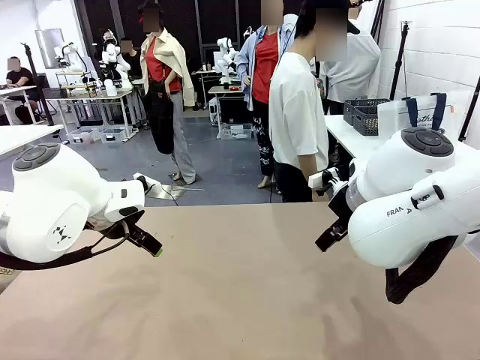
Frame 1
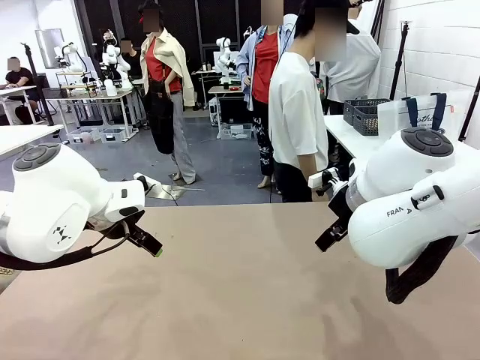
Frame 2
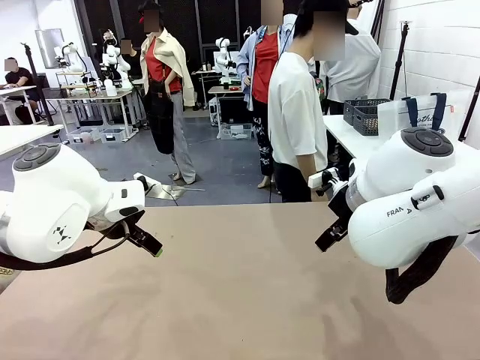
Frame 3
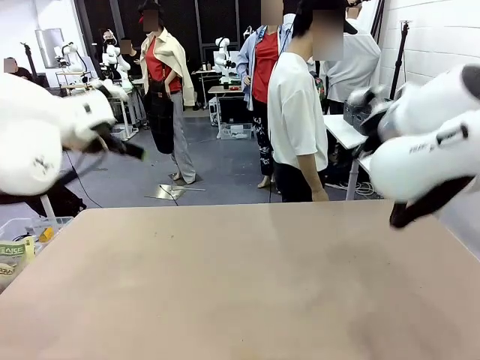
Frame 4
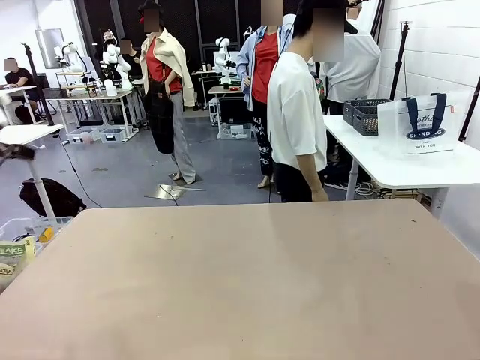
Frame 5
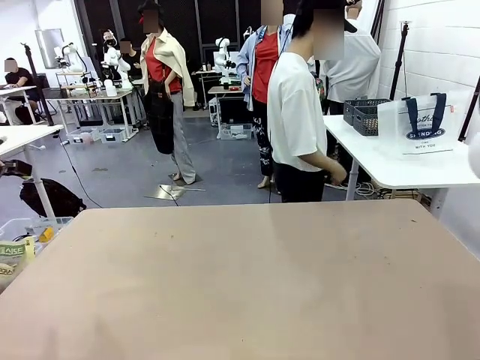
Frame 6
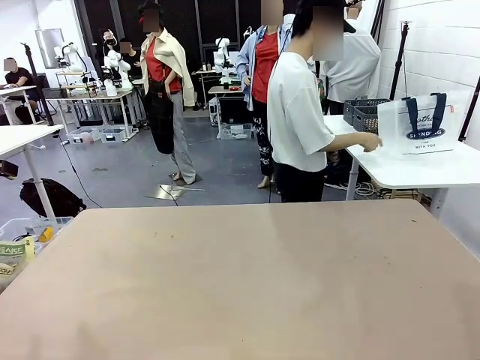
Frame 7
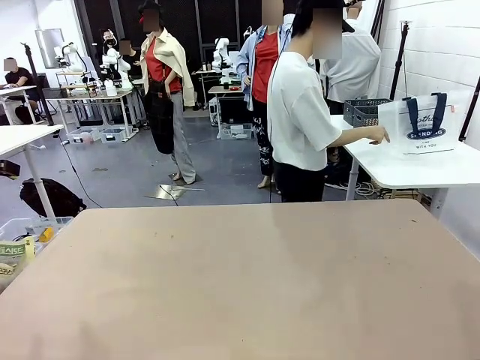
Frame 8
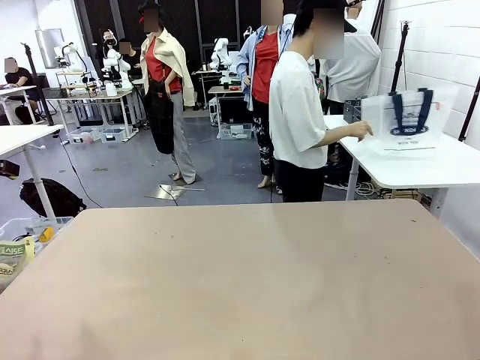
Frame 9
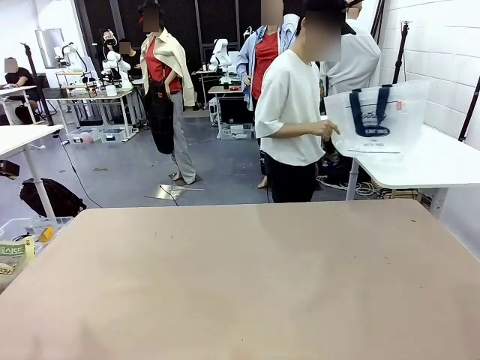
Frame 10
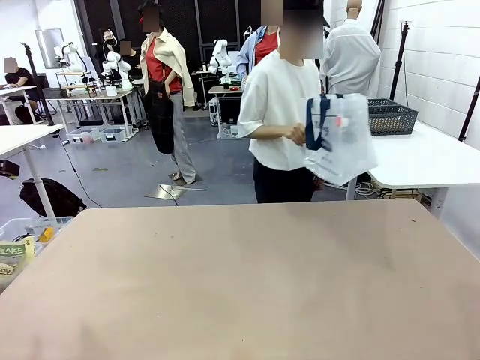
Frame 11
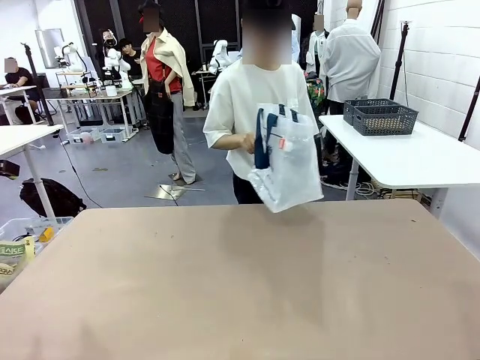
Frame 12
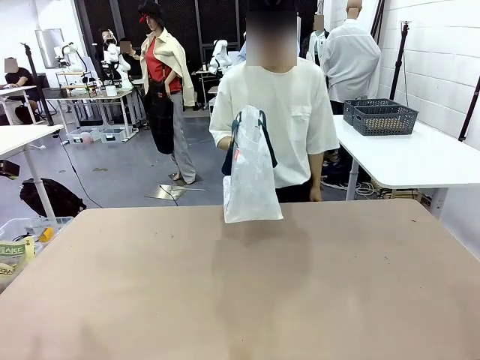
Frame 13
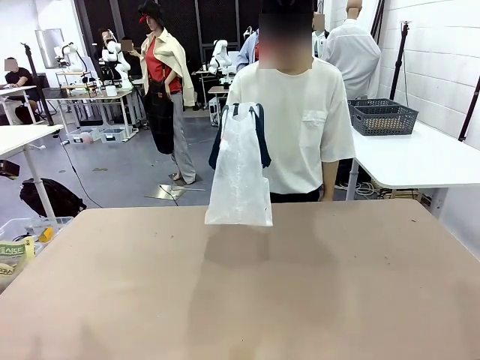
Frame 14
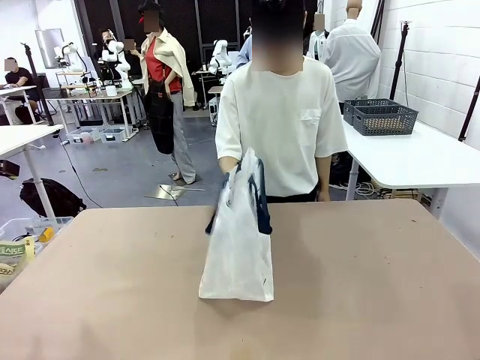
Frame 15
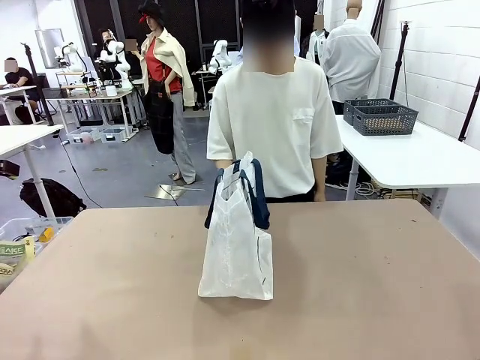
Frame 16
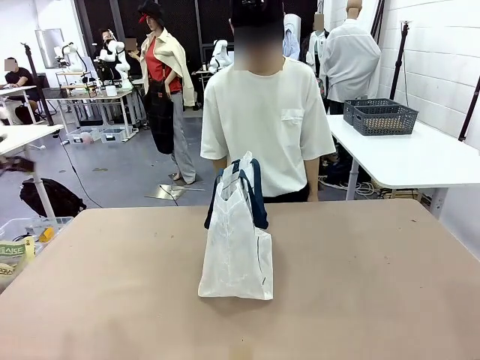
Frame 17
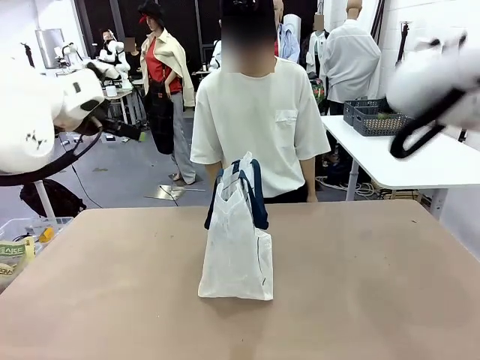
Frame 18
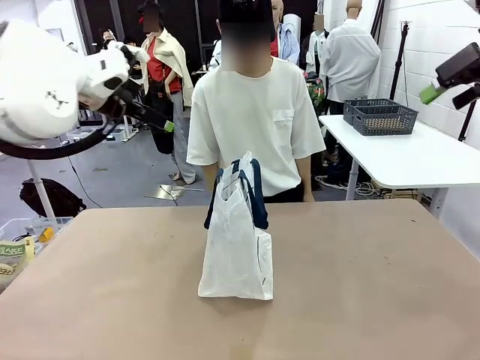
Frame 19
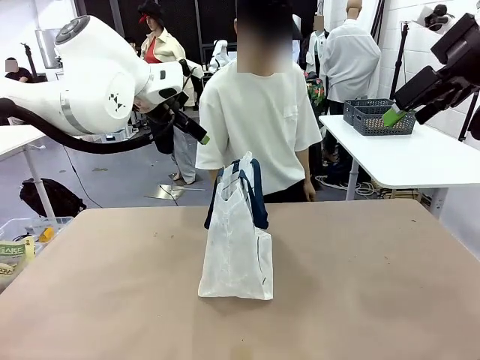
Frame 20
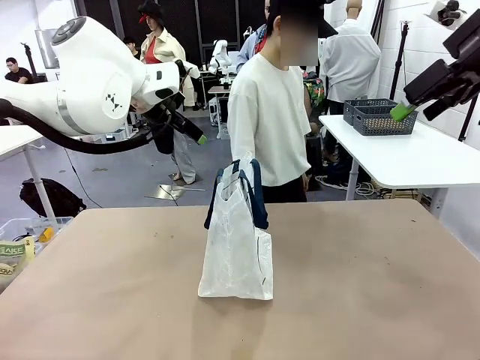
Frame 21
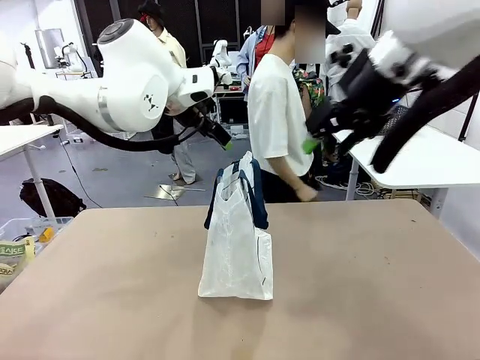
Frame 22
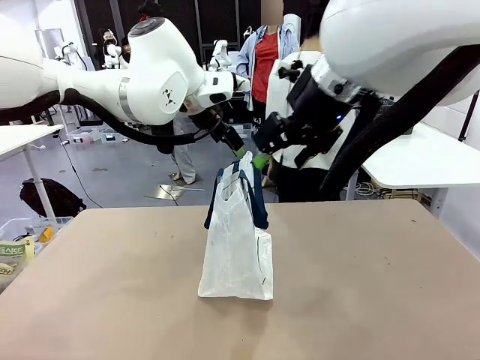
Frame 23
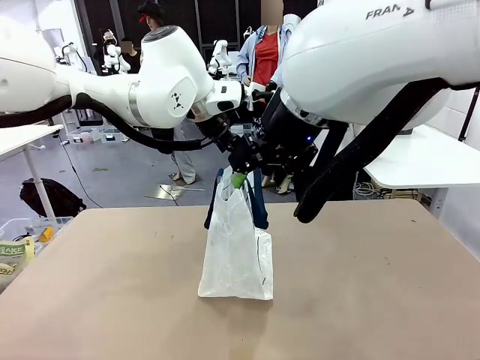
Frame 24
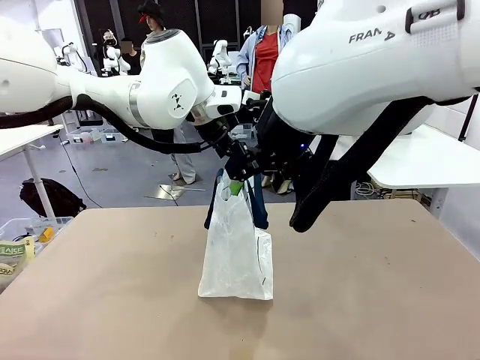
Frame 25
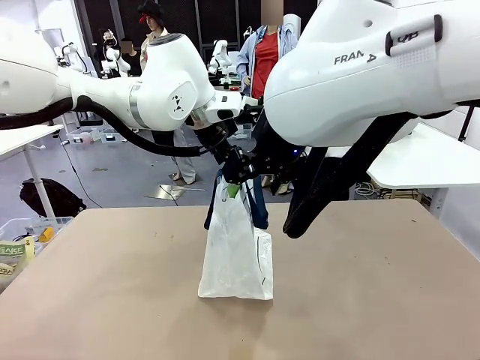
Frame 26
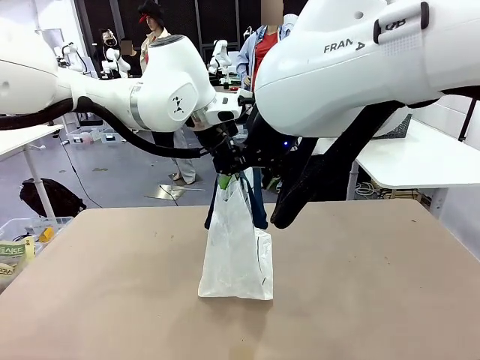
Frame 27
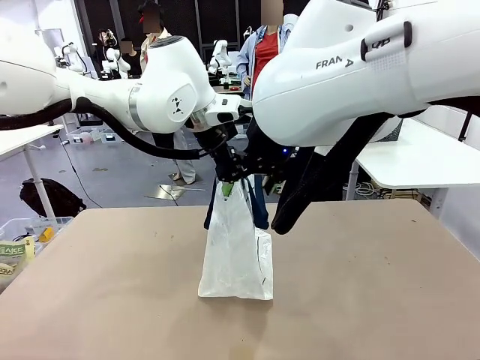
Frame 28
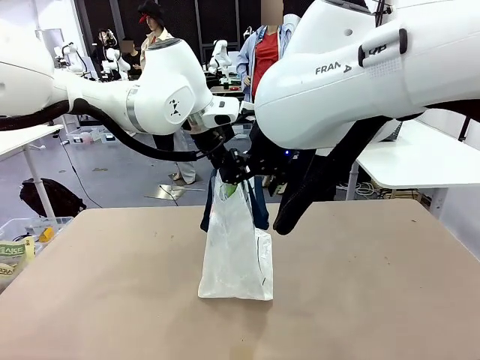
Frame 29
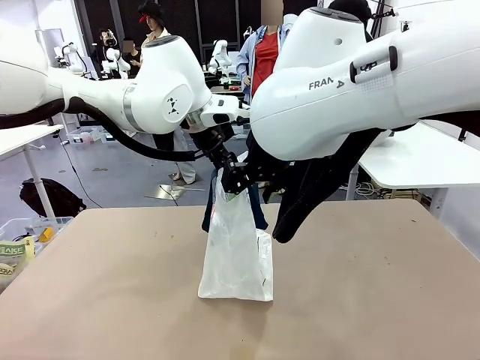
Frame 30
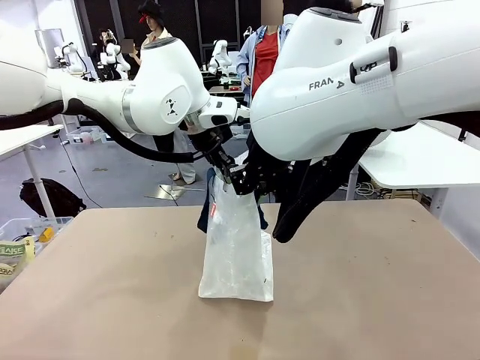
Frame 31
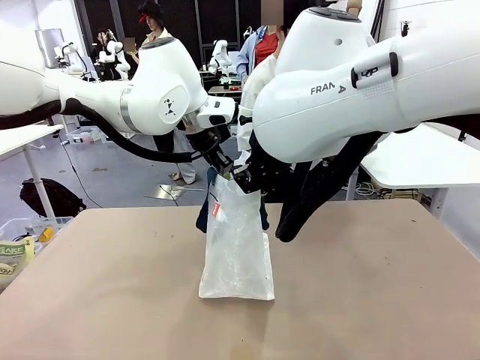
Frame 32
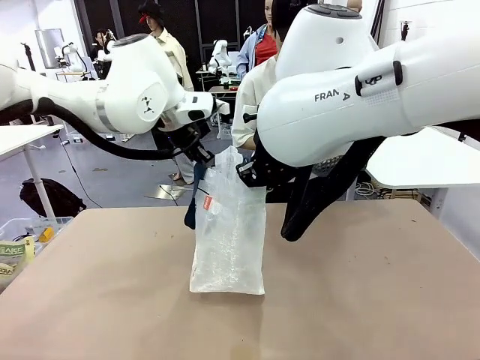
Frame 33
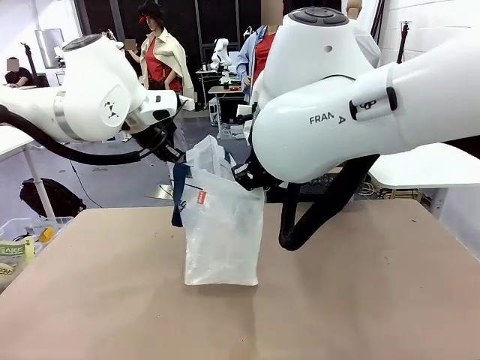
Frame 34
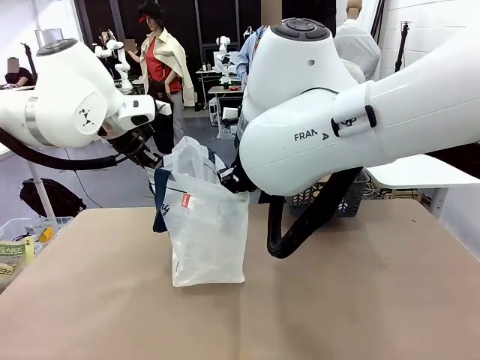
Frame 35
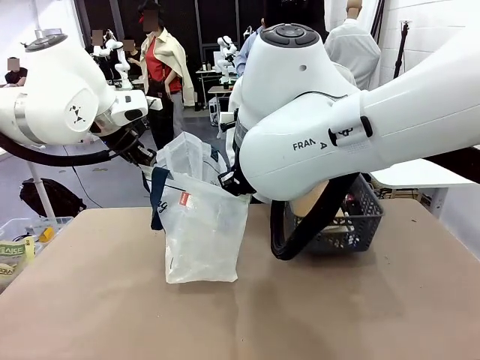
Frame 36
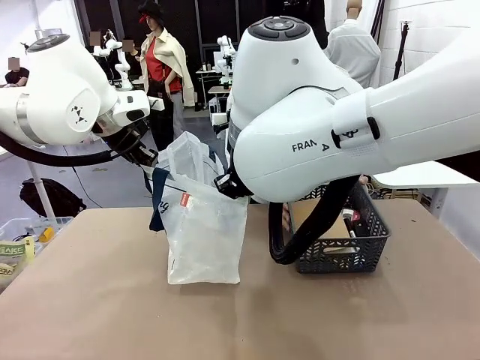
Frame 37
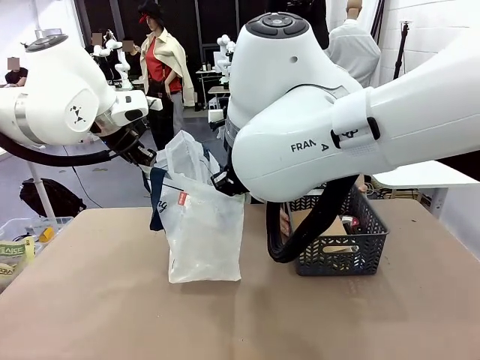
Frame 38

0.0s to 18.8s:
Task: Transfer purchased items from the store into the shopping bag.
Robot: Open the Reusable shopping bag in the center of the table.
Person: Pick up the shopping bag and place it in the middle of the robot table. Pick up the basket on the right, place it on the left side of the robot table, and move the items in the basket to the shopping bag.
